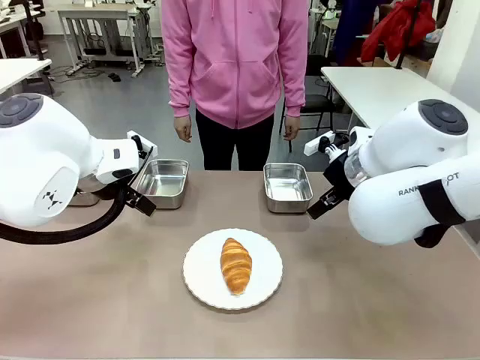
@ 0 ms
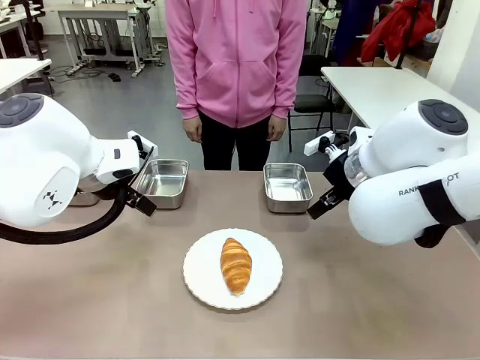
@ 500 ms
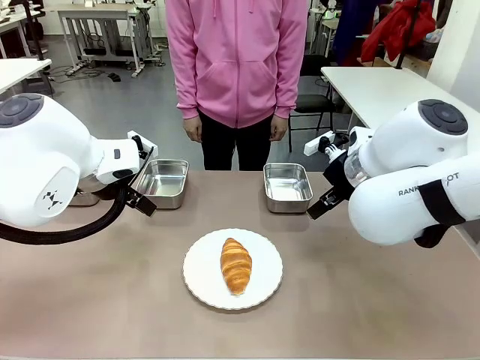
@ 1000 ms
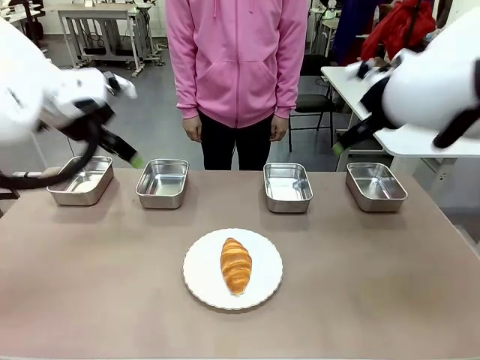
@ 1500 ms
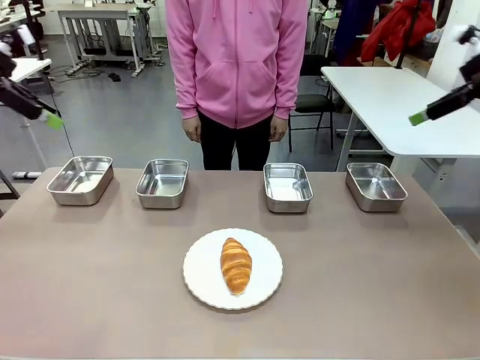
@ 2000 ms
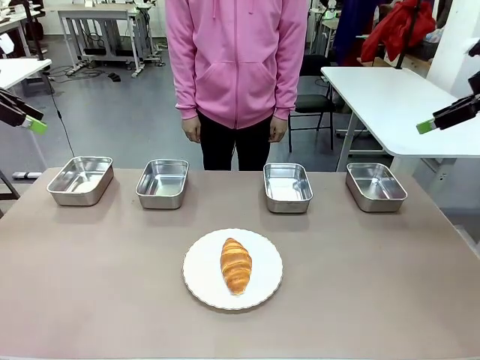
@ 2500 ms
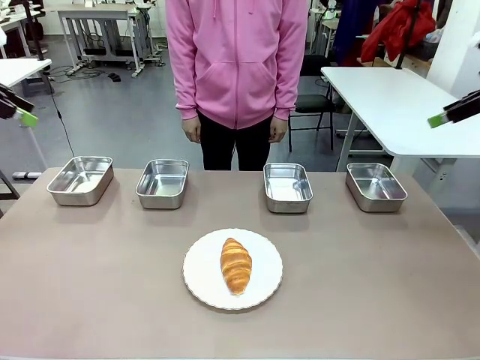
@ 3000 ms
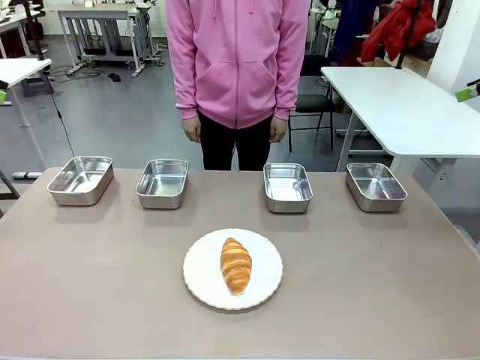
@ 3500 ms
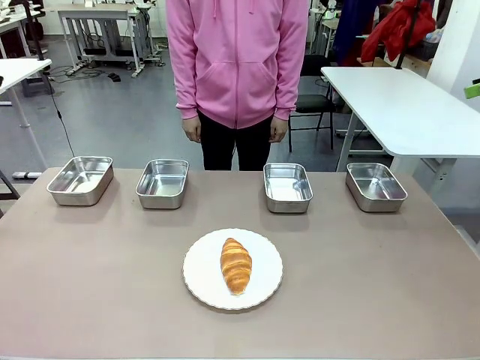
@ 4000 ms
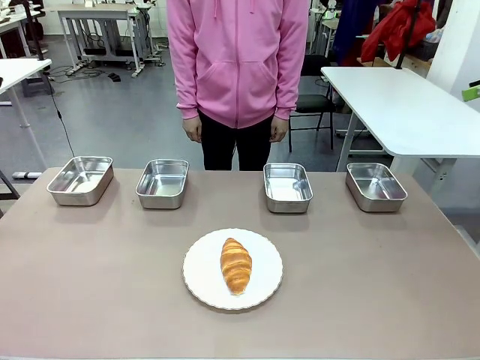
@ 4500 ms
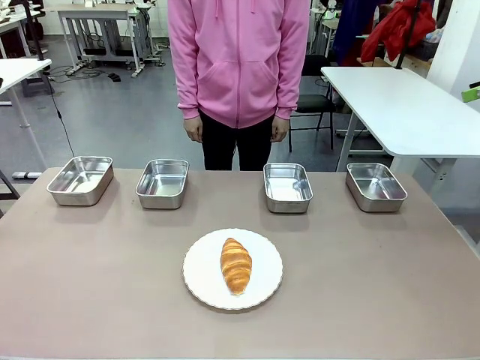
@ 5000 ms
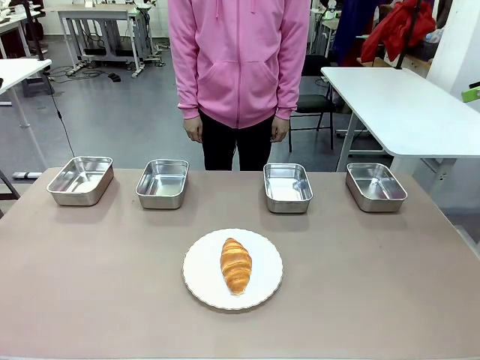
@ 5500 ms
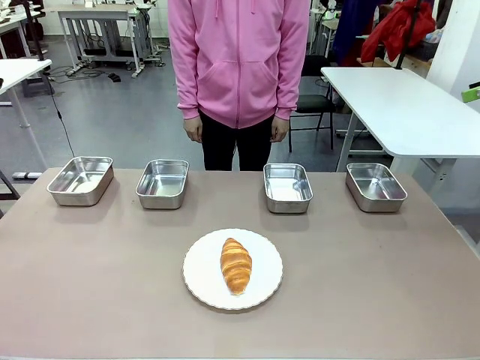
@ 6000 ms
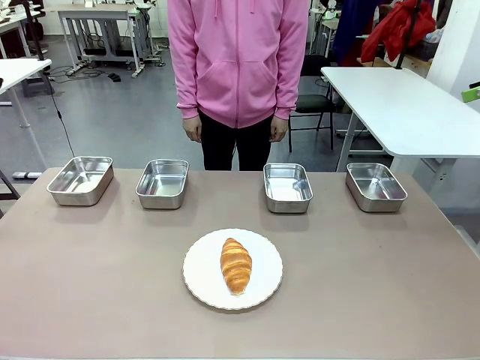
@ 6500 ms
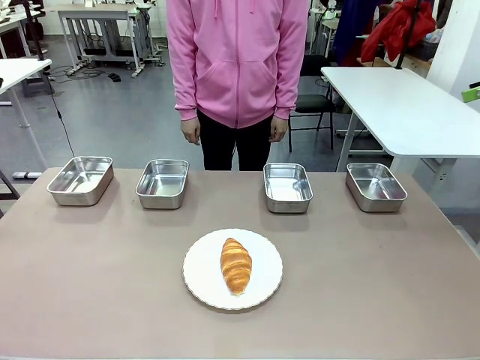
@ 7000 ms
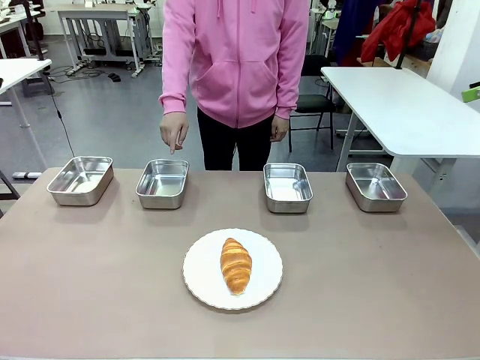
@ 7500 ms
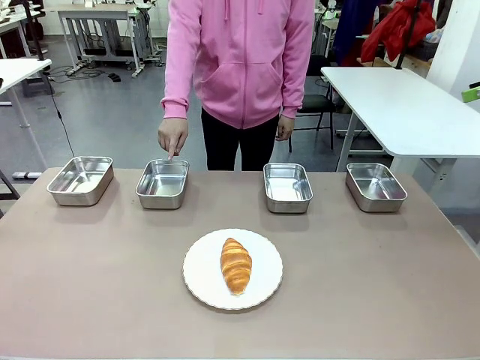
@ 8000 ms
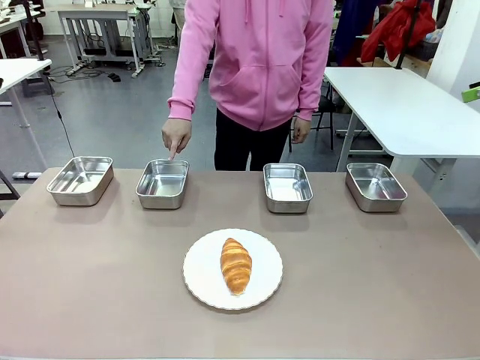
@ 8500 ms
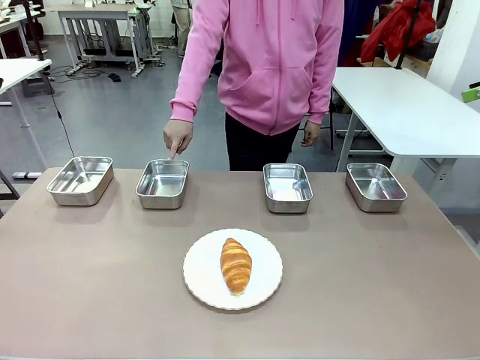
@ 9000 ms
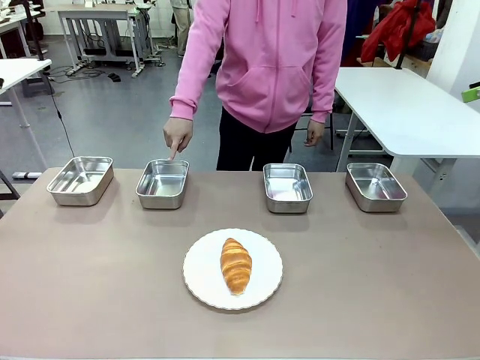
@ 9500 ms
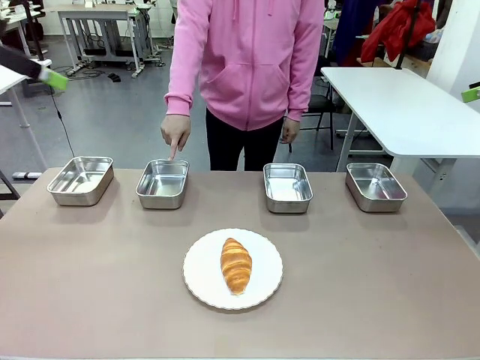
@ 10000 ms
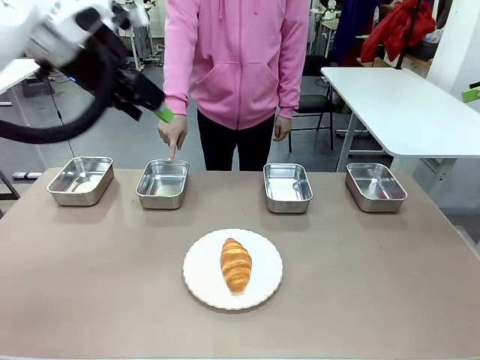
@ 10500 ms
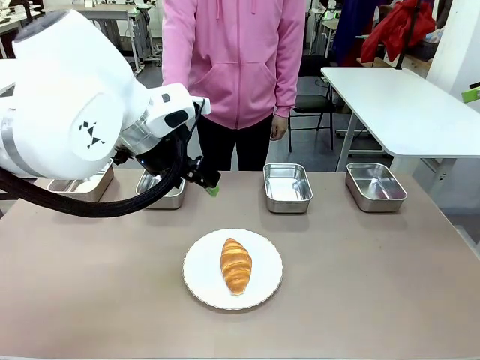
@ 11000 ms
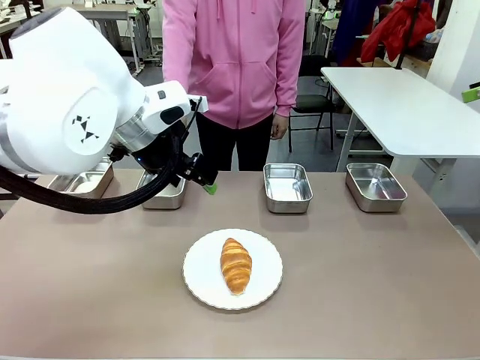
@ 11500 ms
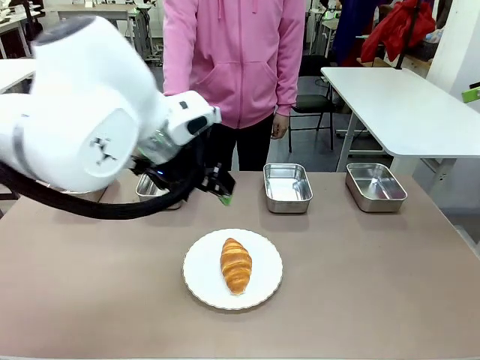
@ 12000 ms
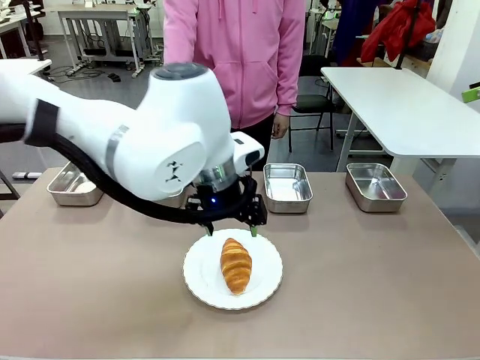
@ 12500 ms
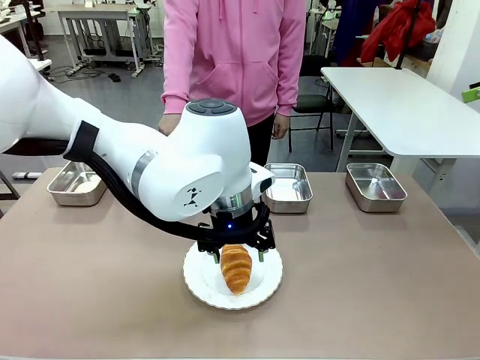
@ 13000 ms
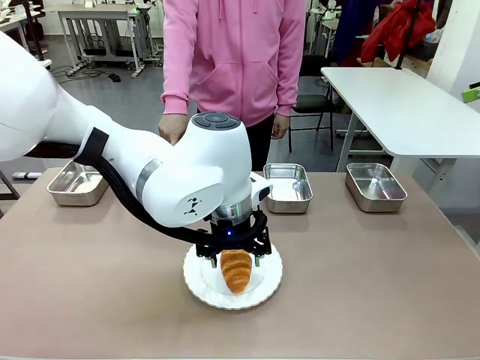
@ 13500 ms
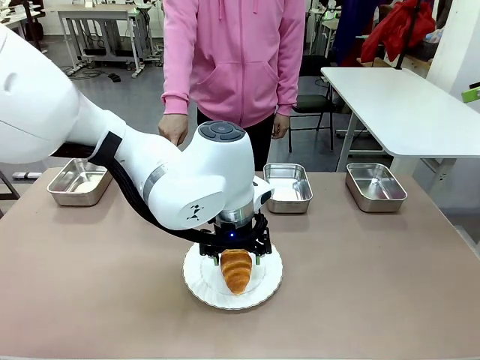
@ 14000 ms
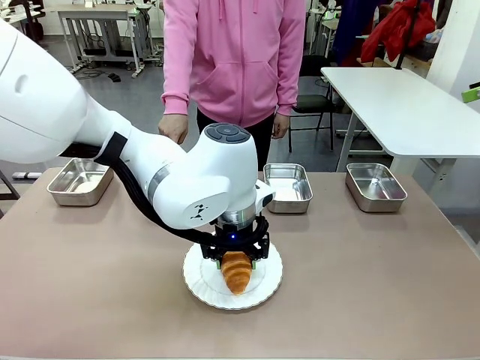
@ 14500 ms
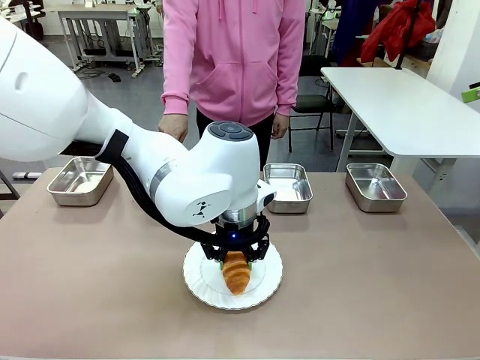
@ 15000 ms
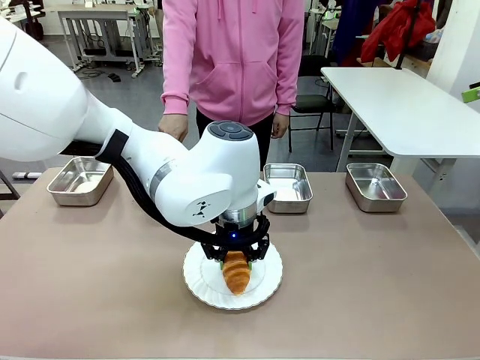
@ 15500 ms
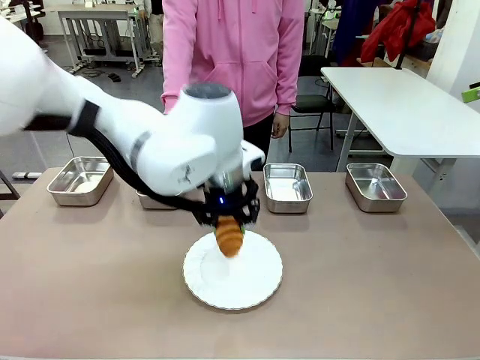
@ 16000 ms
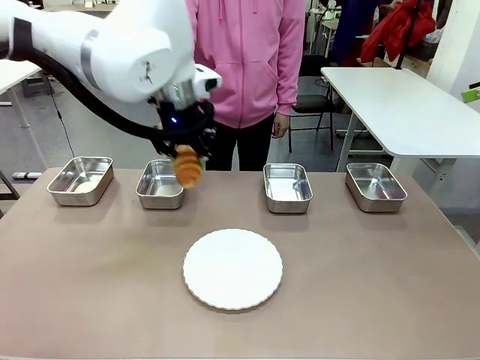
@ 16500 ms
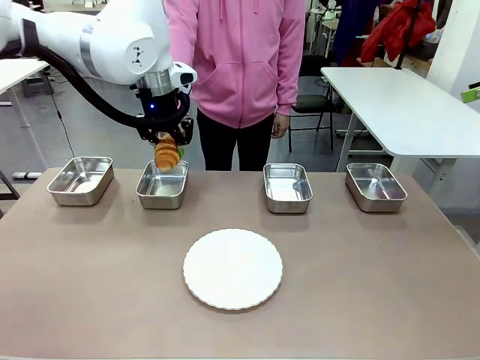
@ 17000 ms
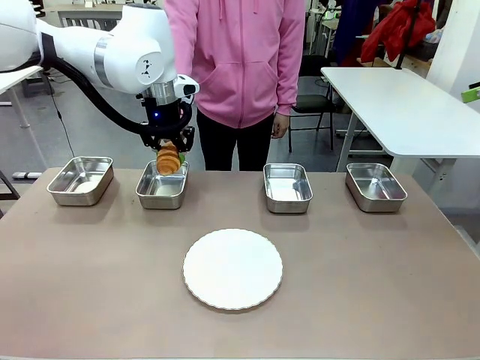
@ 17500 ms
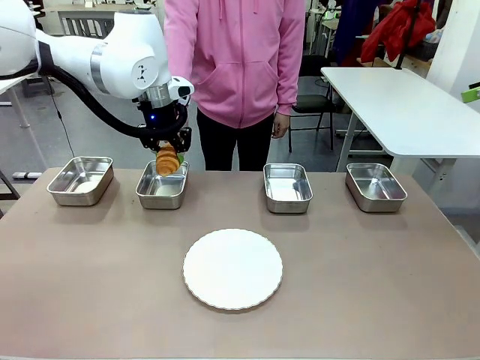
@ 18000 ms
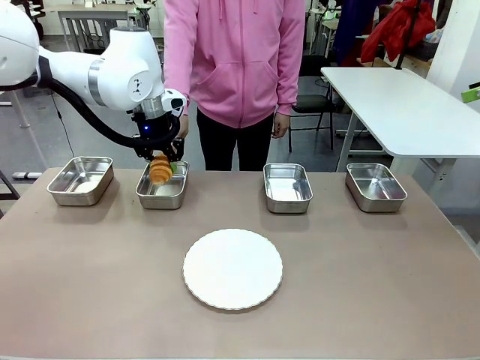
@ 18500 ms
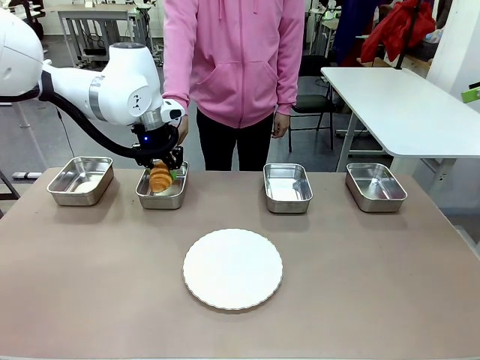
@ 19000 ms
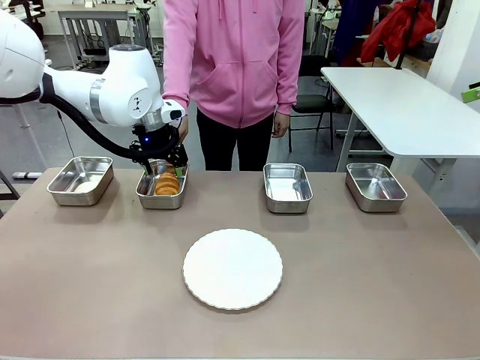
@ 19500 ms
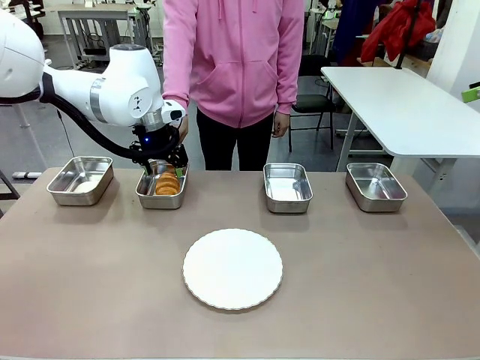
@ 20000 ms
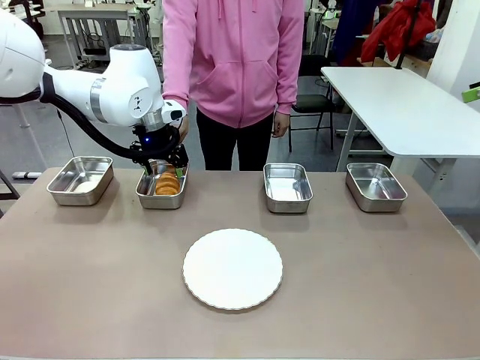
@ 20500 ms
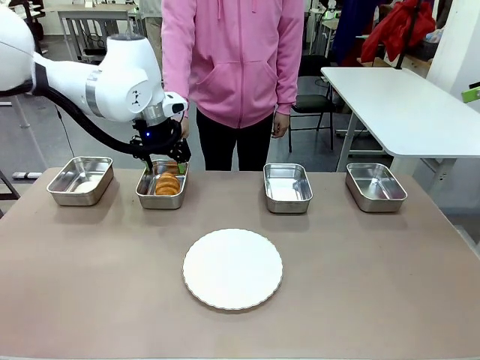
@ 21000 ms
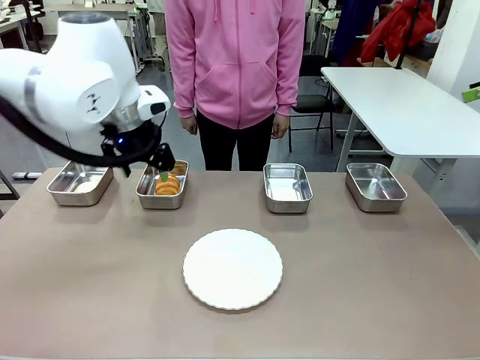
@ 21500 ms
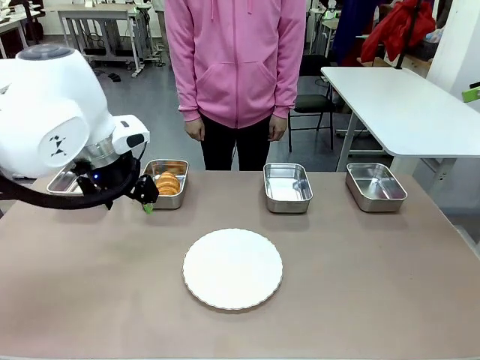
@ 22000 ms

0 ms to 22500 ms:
Task: Place the bread in the container.
Robot: Place the Butter Roll into the Airtight Container indicated by the human.
Person: A person randomly selects and points to an Airtight Container.
